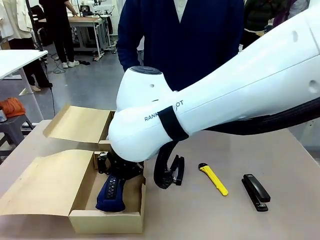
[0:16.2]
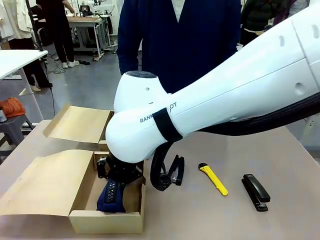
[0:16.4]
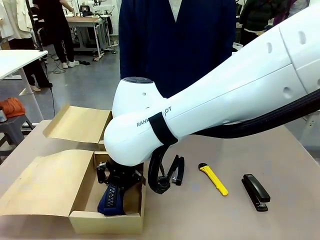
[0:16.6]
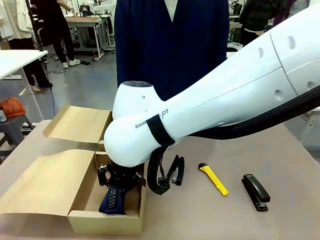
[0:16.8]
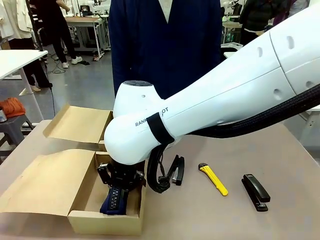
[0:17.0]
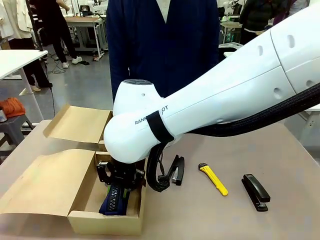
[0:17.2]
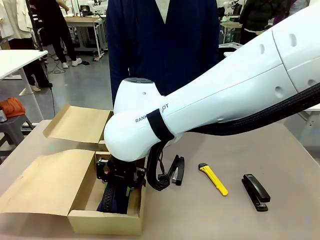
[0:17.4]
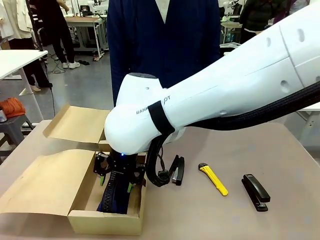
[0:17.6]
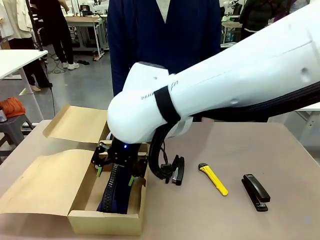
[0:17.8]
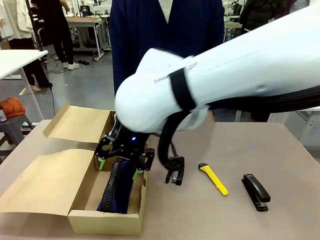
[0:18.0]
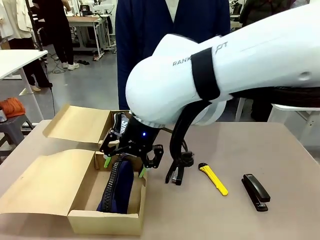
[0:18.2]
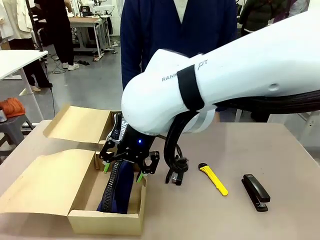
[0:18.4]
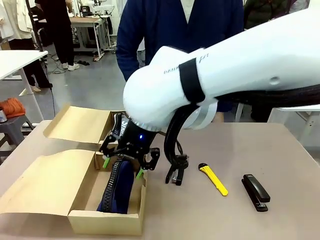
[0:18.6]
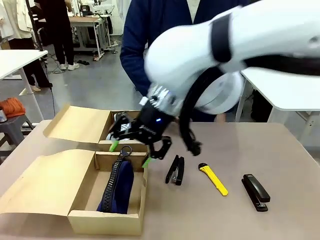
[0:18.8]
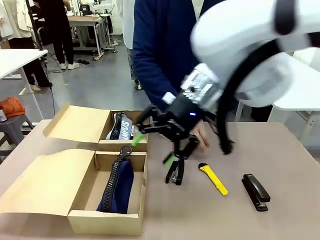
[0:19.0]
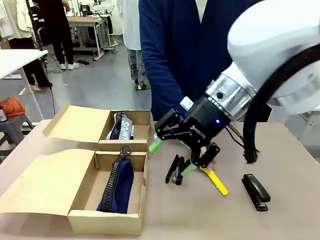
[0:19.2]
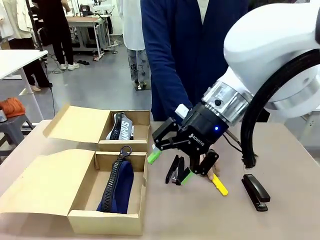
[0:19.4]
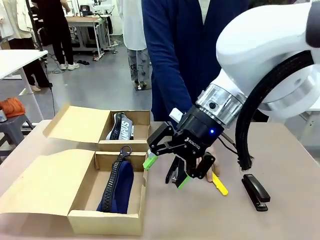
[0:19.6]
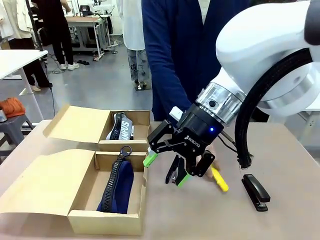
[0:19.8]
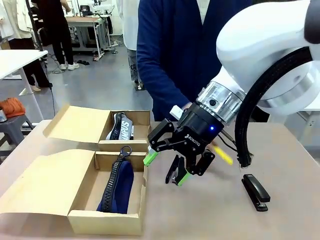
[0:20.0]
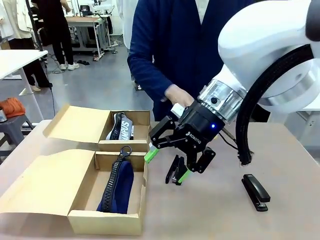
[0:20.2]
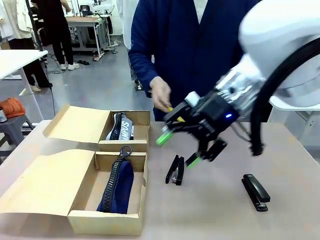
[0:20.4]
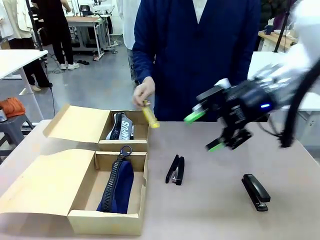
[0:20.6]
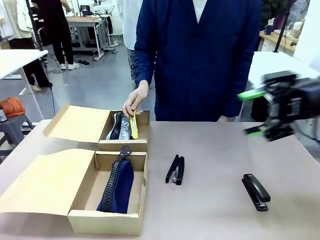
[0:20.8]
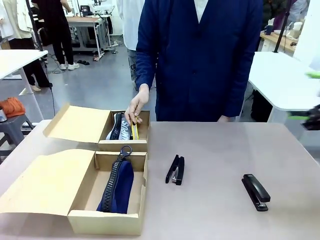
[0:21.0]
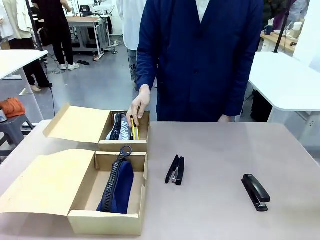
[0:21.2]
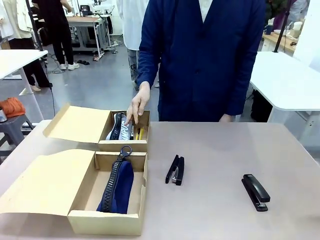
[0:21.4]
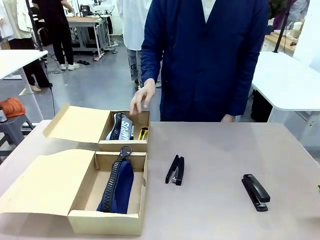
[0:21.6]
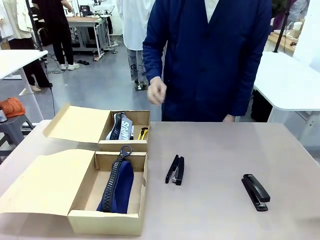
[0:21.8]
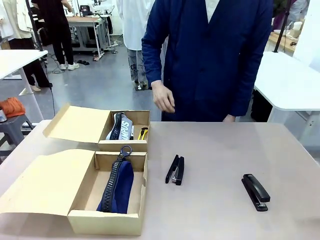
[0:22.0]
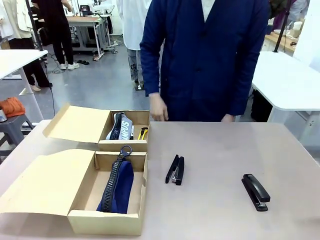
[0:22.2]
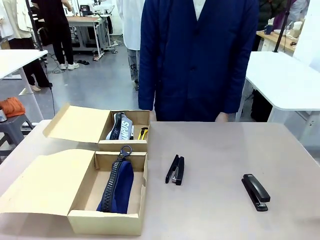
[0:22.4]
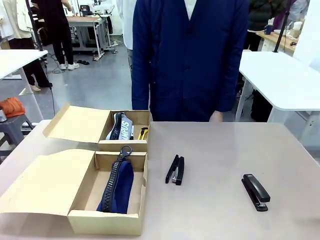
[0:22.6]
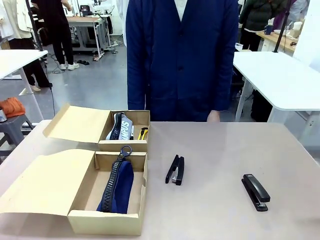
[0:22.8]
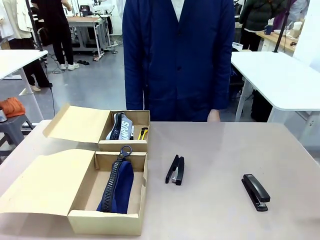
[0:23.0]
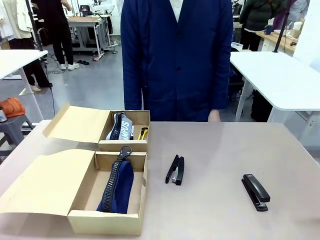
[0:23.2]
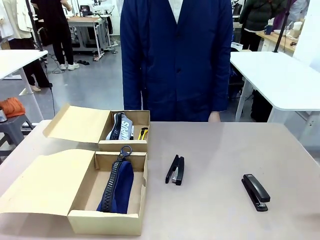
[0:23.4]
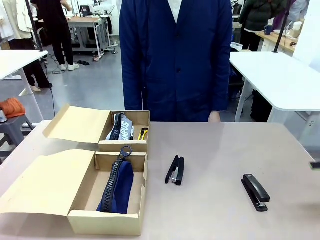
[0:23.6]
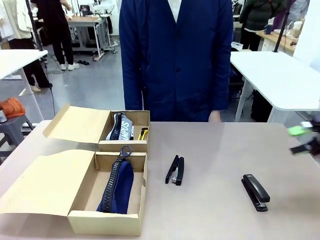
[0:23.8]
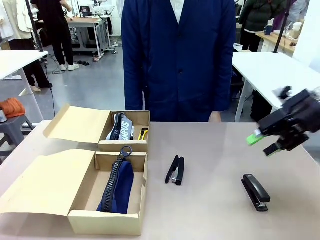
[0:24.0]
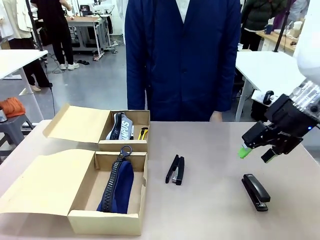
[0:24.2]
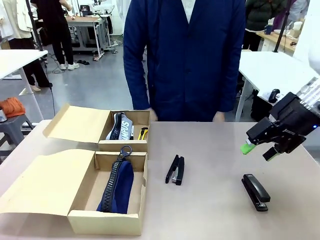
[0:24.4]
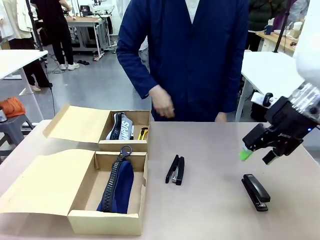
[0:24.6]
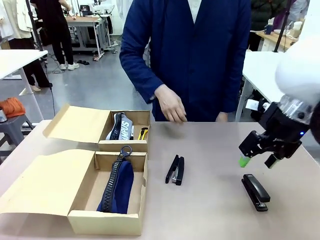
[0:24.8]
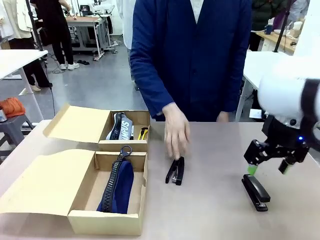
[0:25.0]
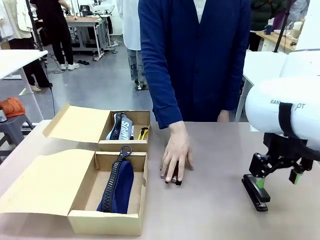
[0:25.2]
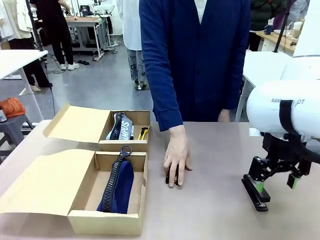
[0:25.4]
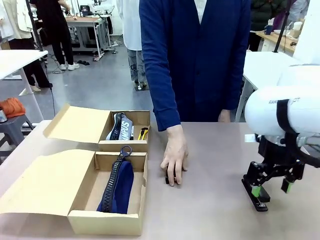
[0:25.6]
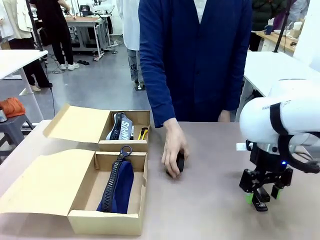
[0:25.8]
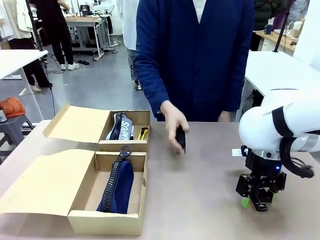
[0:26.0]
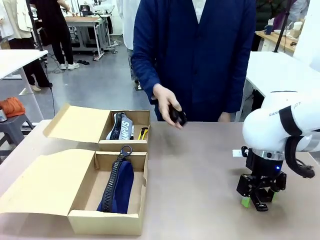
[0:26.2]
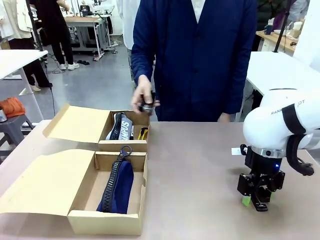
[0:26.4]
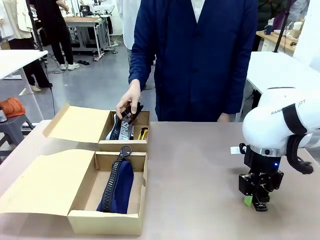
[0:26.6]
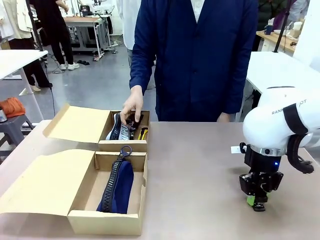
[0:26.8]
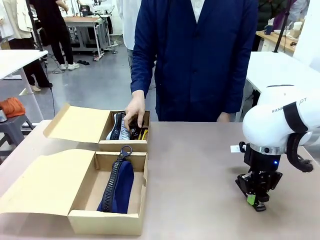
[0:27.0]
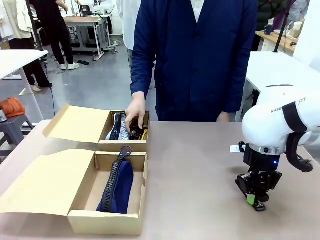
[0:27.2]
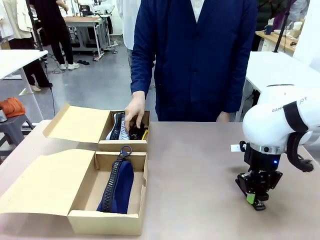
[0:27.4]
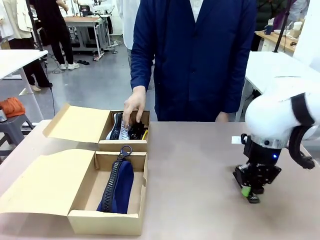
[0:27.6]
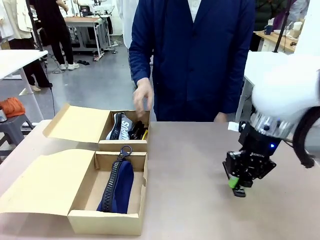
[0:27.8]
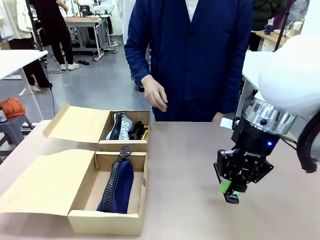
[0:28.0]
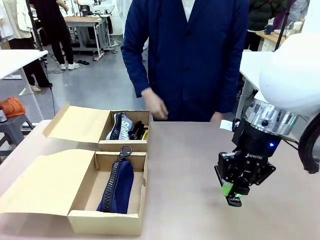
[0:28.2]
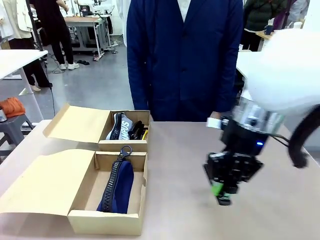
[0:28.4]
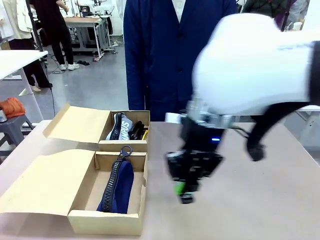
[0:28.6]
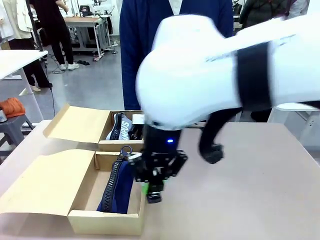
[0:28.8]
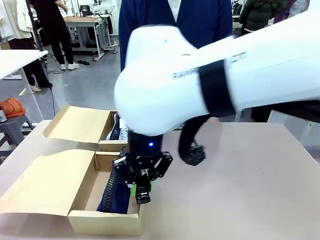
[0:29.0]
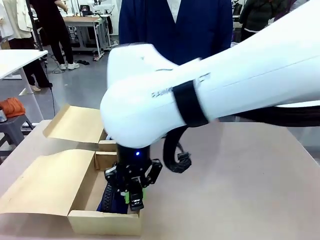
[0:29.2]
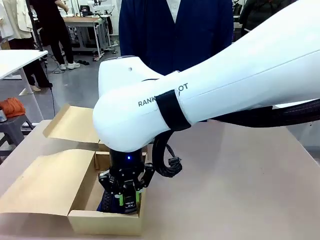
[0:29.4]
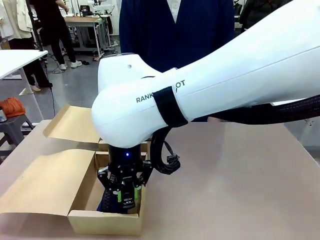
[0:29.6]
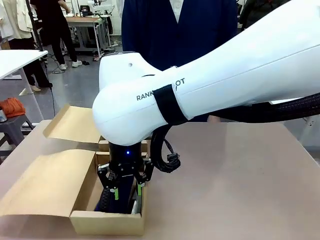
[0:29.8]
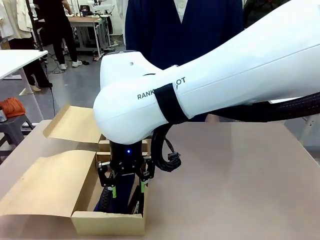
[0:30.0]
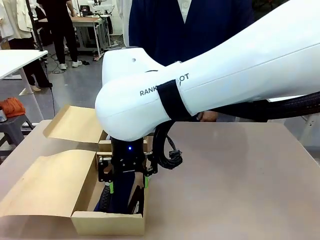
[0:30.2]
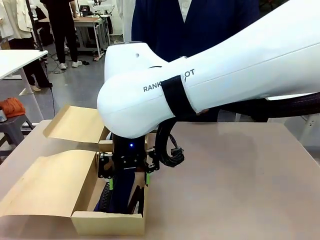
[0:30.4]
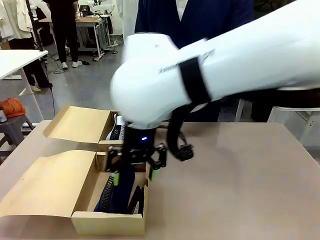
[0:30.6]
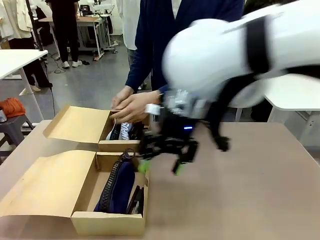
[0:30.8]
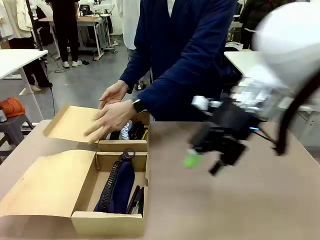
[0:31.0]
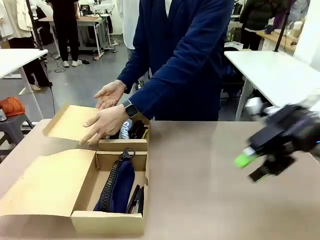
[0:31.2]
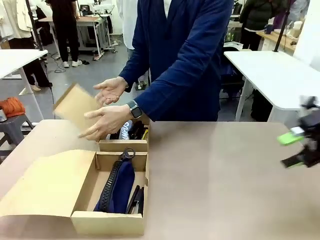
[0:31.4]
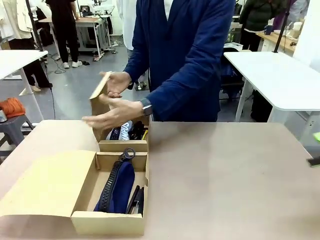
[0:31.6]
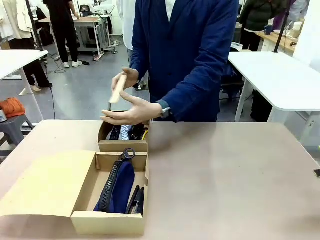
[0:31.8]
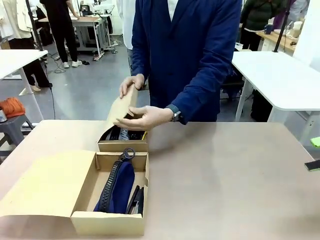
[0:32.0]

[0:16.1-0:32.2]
Task: Place items inside the box.
Robot: Pick up a Pencil pouch or Stapler and place it inside the Mailer Box closest to the robot.

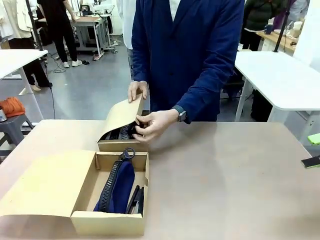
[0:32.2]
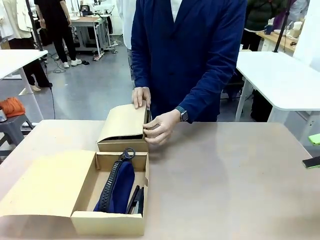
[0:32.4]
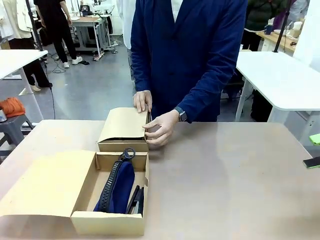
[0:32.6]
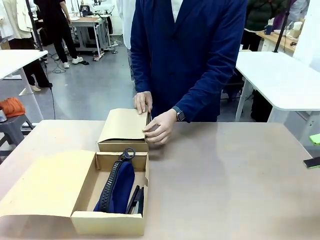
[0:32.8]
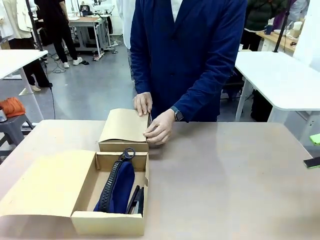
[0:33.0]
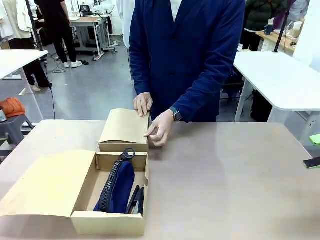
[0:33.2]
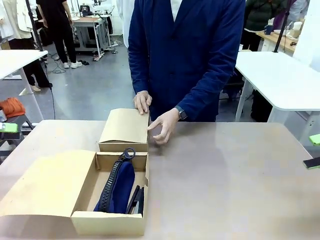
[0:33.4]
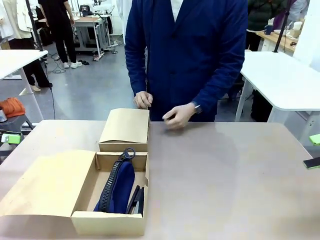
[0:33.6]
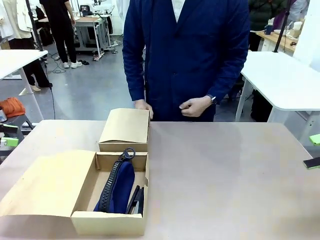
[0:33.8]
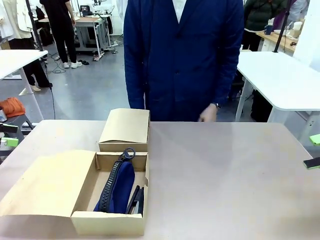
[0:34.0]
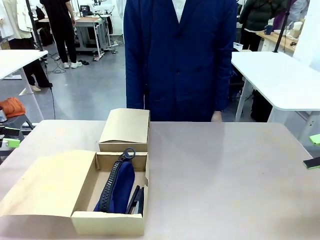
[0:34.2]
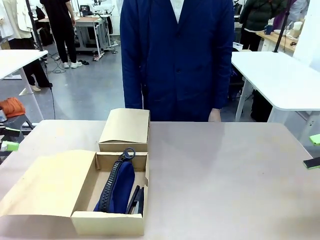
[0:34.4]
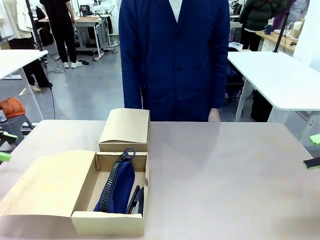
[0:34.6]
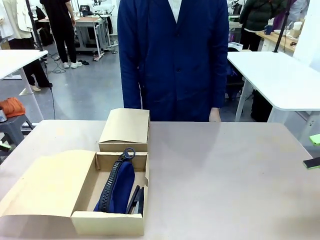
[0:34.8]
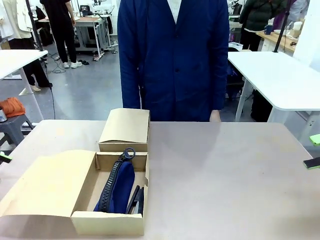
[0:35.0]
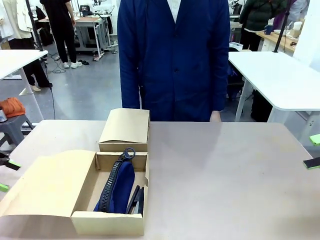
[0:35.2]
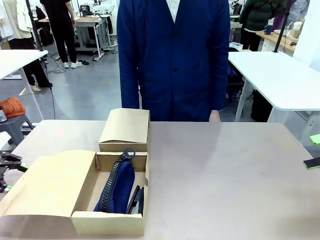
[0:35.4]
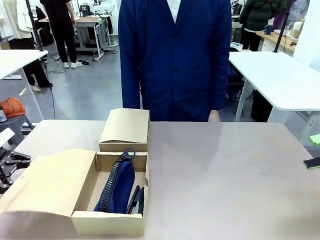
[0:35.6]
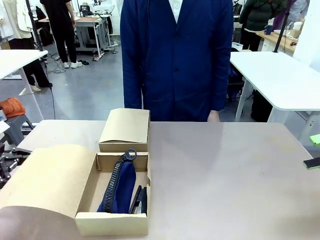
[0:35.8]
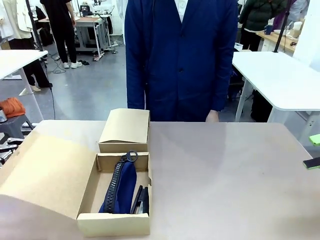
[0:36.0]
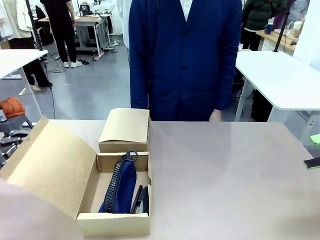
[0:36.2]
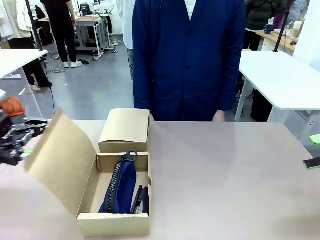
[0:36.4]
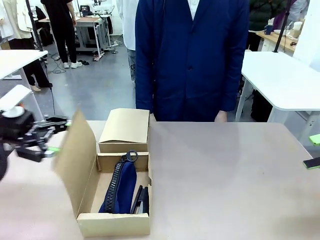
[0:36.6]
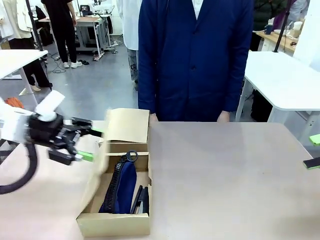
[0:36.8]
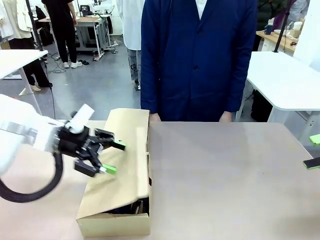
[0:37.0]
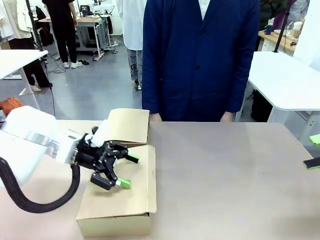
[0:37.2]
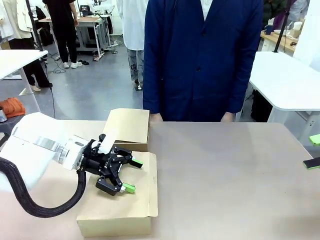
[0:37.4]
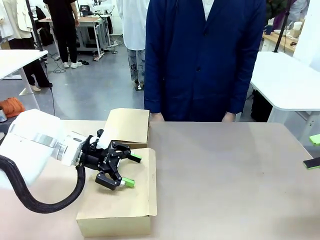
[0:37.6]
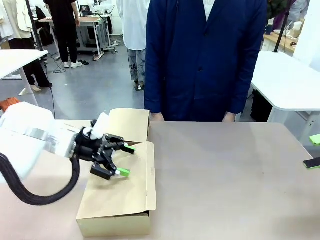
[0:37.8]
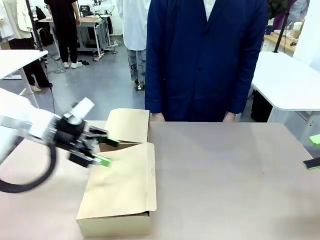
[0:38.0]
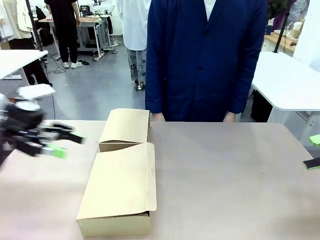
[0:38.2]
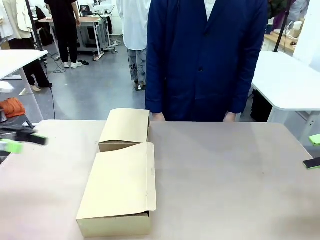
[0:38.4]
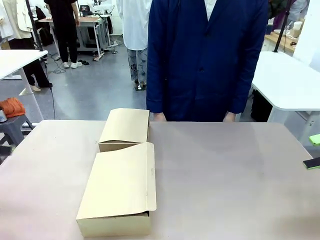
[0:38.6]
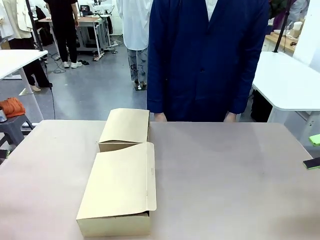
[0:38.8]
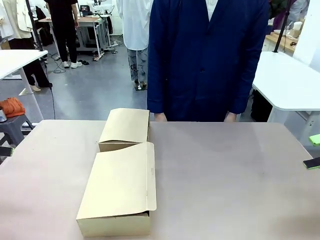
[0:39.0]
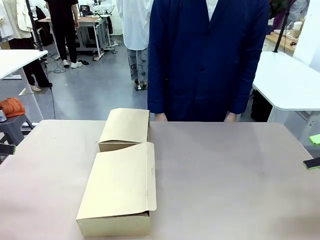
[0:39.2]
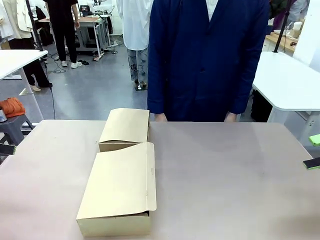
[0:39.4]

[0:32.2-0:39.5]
Robot: Close the lid of the Mailer Box closest to the robot.
Person: Close the lid of the box facing the person.
